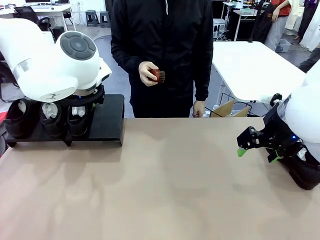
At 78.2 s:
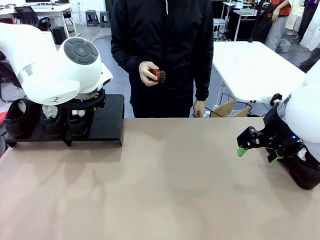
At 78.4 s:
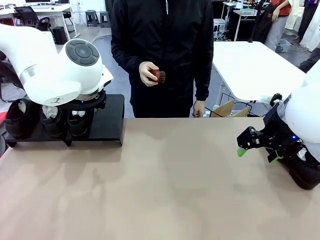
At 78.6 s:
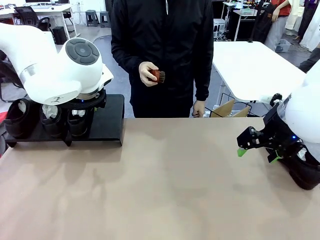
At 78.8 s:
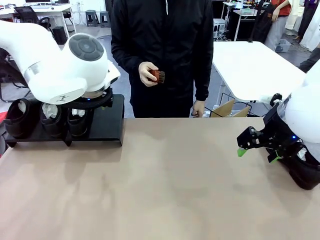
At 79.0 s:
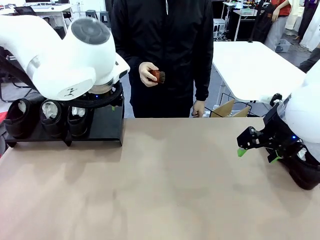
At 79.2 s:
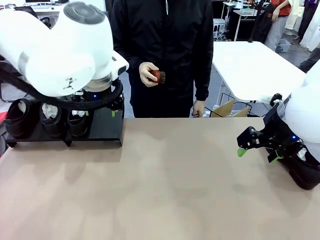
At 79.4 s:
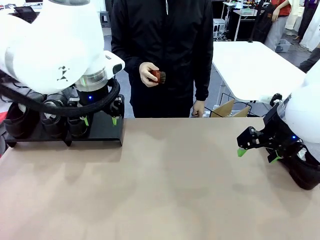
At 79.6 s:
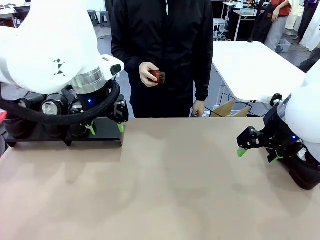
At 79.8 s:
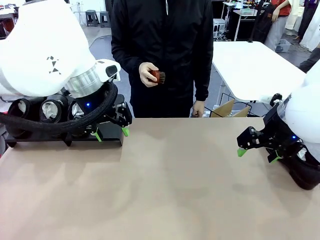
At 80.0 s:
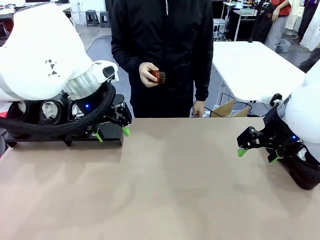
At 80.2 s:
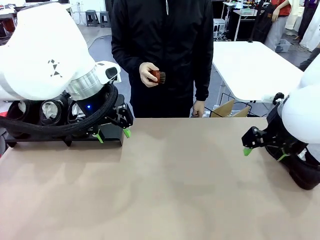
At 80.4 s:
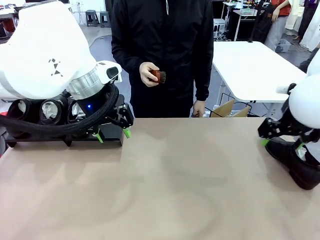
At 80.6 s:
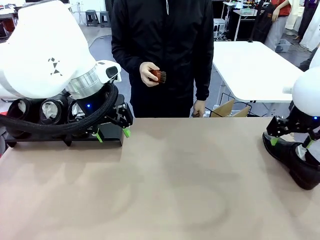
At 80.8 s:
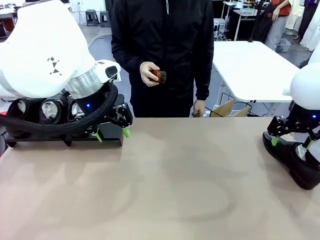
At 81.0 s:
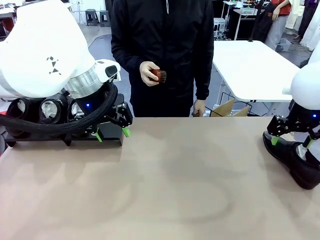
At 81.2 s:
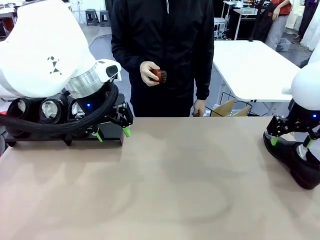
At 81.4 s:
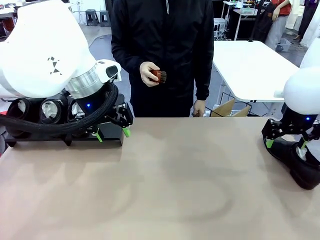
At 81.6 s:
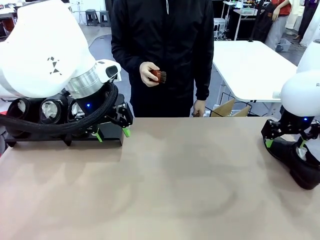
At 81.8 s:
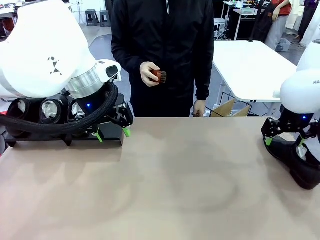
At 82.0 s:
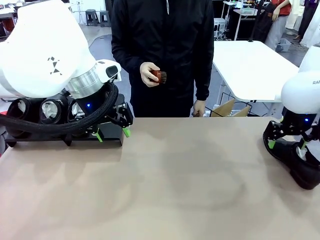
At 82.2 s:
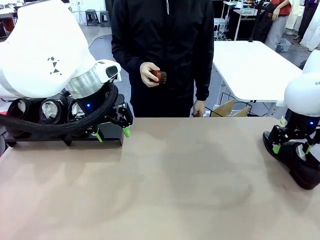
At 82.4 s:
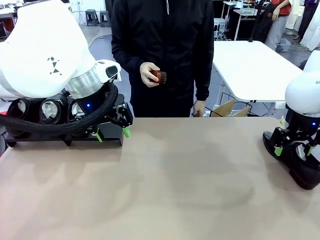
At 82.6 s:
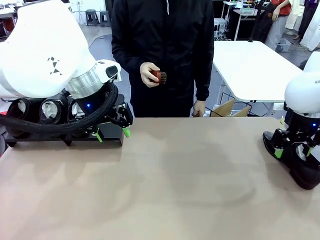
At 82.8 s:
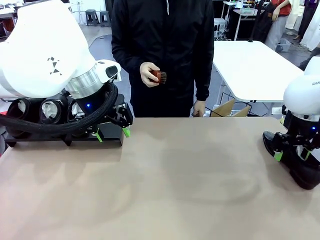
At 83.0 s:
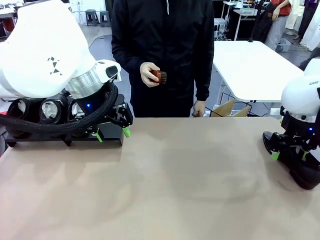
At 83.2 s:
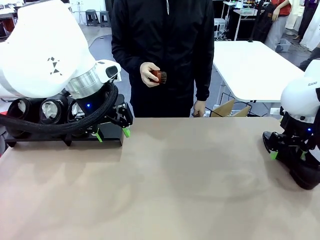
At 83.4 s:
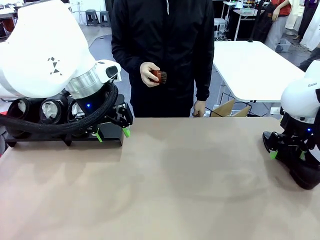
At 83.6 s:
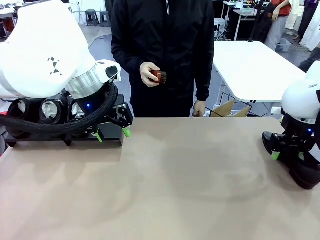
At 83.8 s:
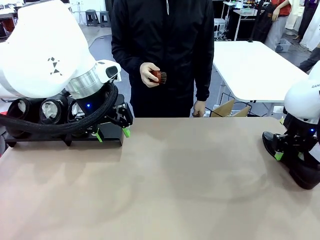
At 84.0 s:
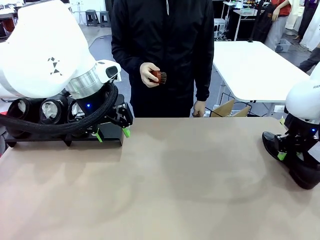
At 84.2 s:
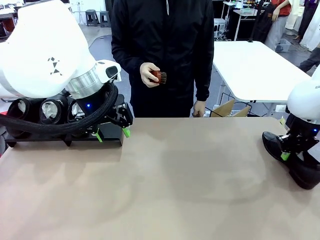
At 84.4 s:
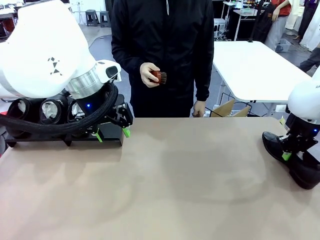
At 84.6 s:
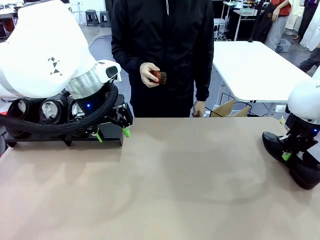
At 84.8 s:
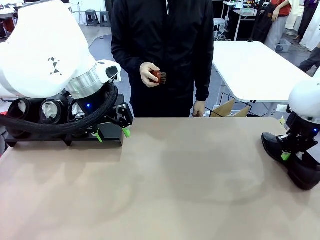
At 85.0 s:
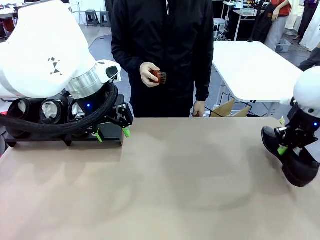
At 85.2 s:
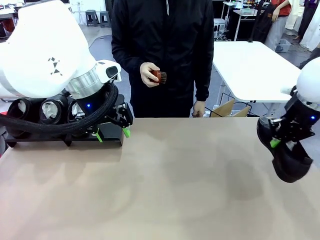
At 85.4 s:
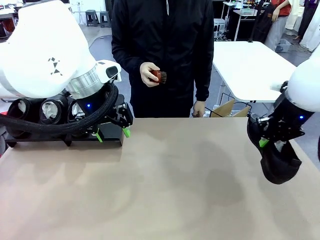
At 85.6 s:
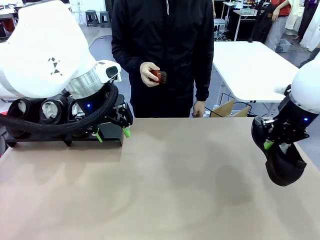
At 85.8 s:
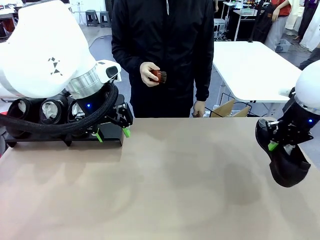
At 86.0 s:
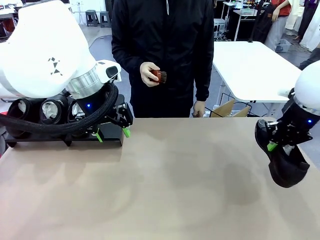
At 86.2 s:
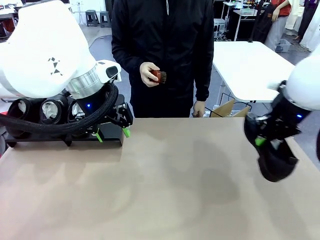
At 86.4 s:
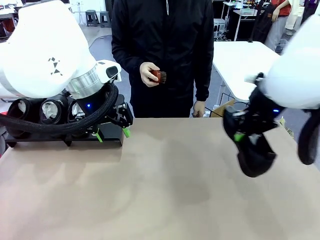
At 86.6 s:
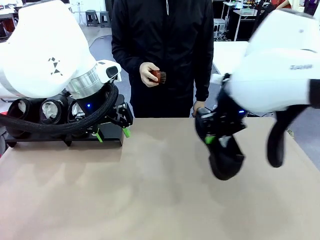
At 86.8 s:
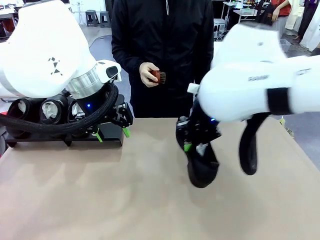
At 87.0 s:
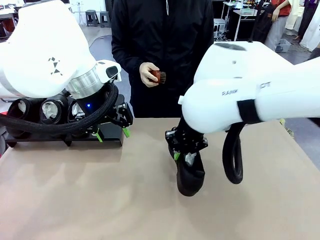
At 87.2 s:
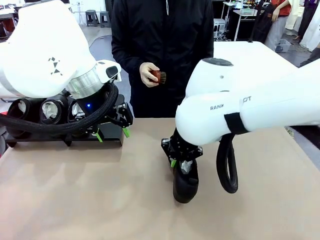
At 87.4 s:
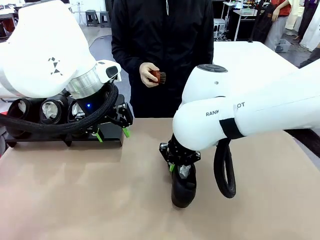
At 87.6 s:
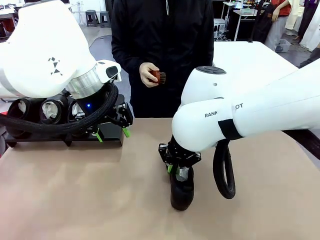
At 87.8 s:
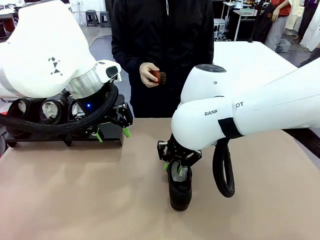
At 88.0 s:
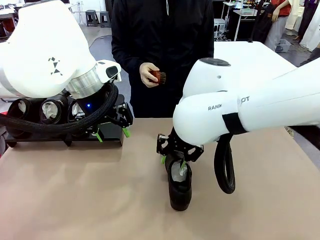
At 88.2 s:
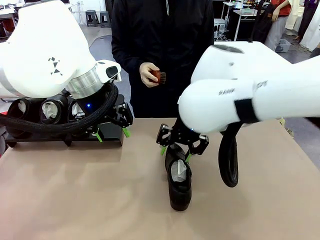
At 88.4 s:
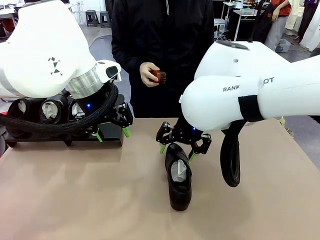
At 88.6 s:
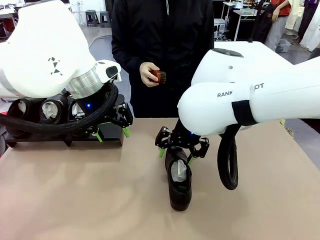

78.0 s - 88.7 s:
Task: Organize the shoes by placing them on the stand.
Robot: Pick up one Shoe and place it in the middle of the table.

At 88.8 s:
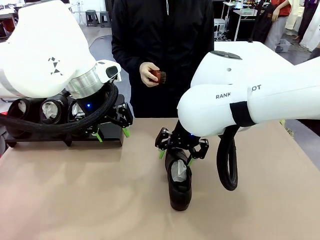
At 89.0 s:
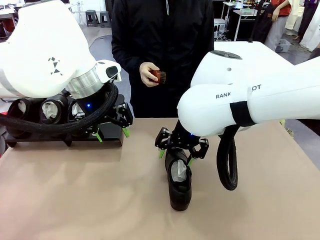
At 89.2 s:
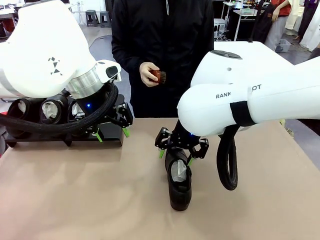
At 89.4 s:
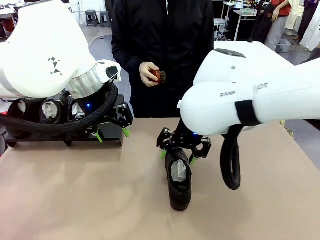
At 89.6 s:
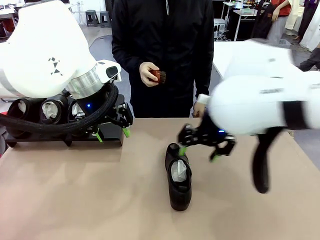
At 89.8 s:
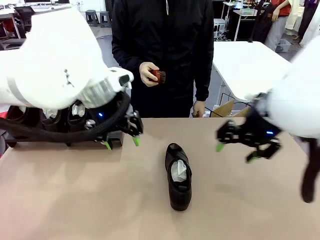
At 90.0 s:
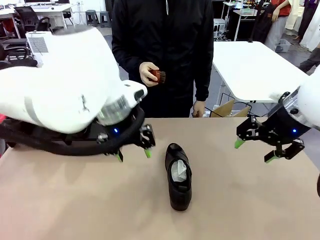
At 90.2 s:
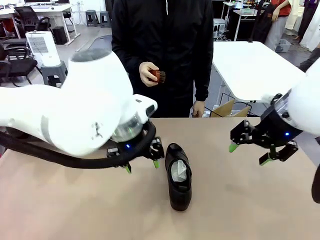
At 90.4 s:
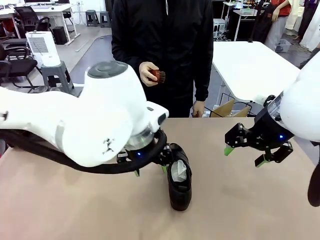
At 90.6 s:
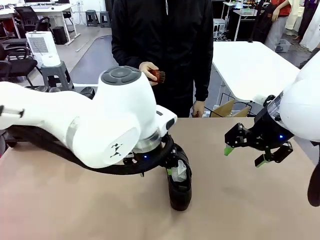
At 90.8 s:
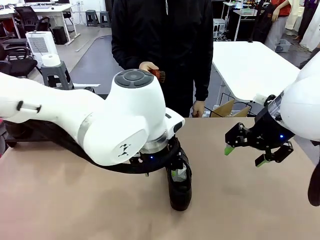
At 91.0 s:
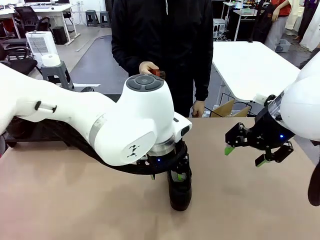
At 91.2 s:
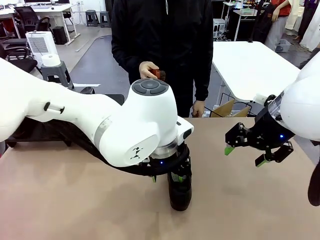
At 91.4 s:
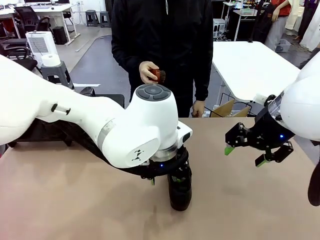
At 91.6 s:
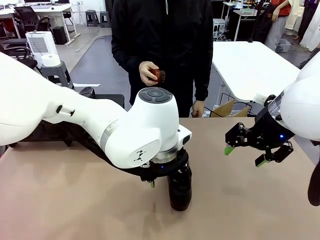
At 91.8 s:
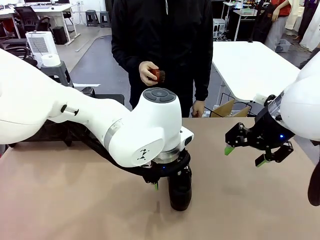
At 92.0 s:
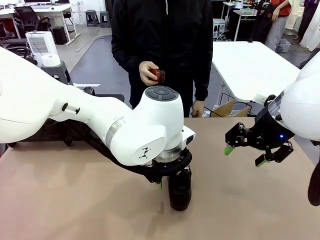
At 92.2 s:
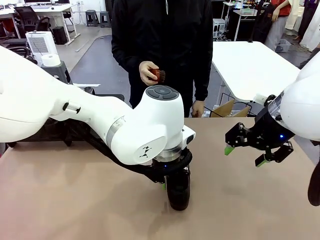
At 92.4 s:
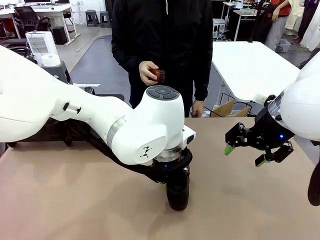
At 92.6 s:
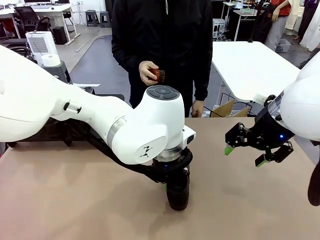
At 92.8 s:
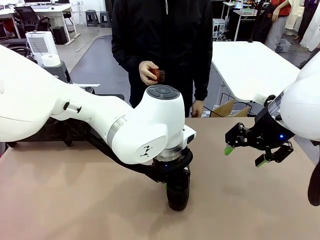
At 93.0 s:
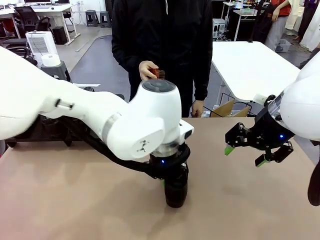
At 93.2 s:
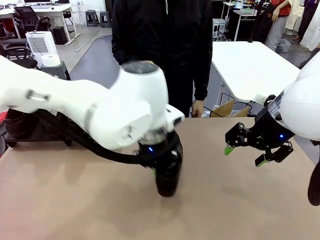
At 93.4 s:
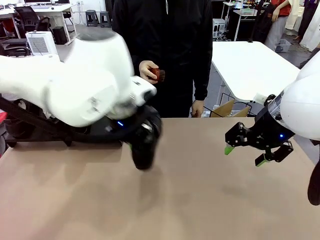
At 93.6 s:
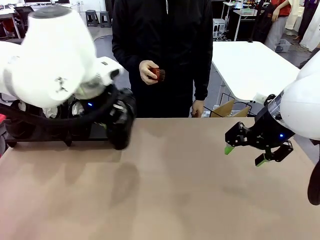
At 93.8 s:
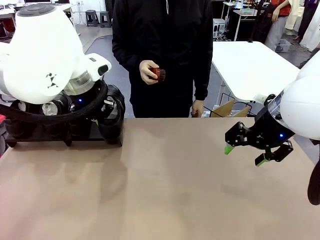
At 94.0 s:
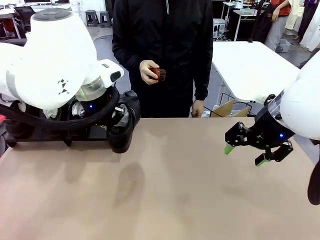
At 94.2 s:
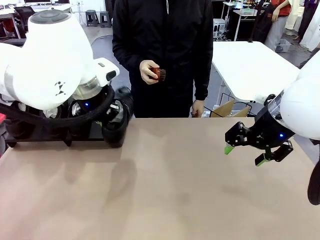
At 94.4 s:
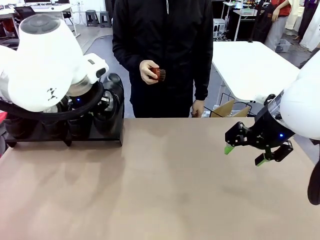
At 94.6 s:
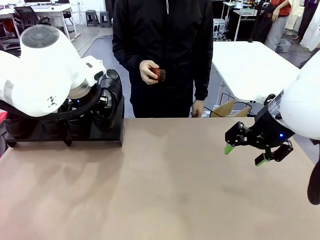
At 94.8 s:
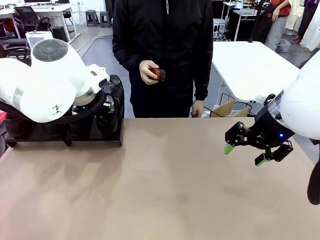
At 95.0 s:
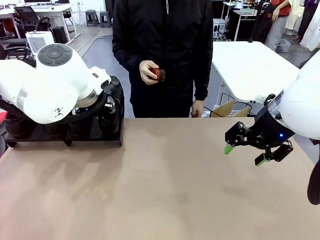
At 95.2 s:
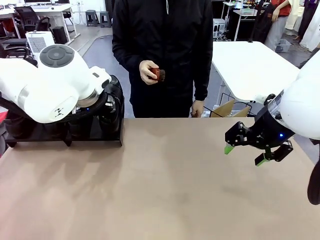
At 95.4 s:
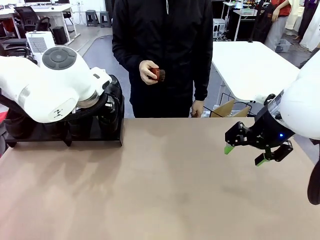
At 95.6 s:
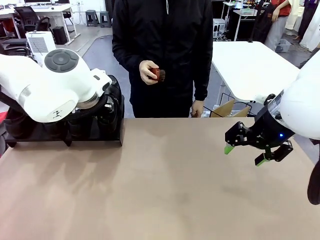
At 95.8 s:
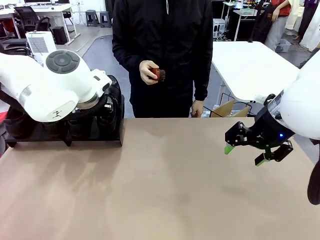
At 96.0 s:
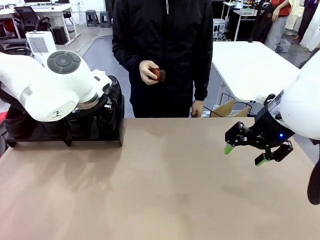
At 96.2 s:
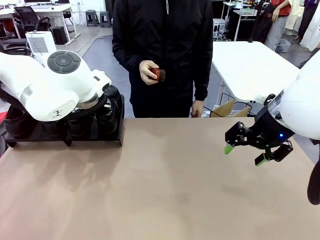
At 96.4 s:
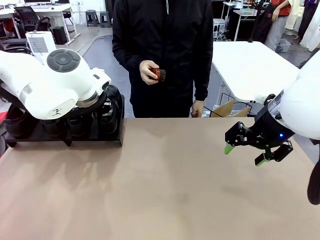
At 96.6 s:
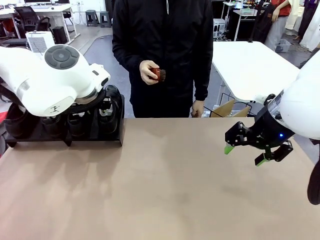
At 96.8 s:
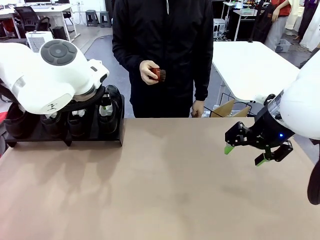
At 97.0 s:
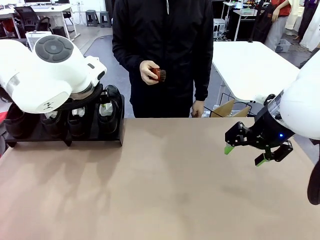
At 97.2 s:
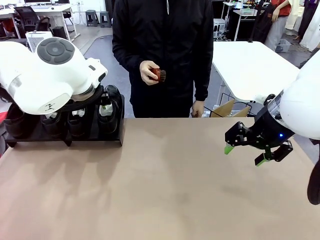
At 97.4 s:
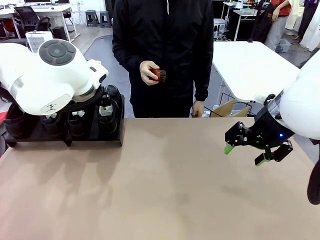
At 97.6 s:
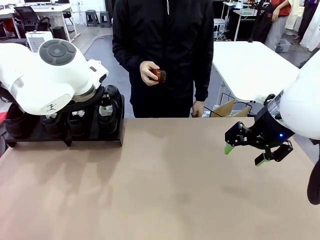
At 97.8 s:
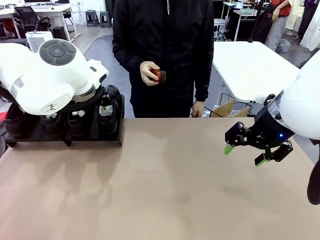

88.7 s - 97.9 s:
Robot: Place the Shoe from the middle of the table onto the Shoes Stand.
